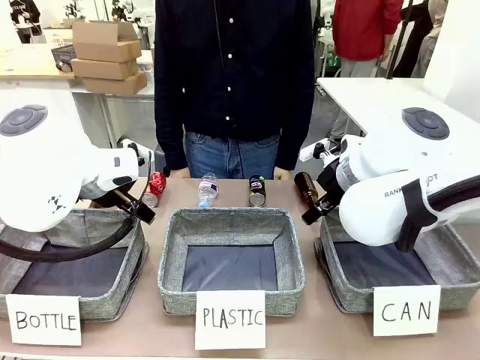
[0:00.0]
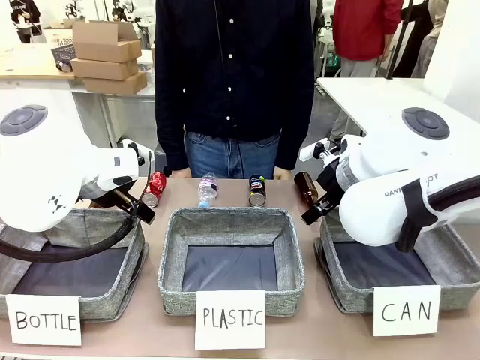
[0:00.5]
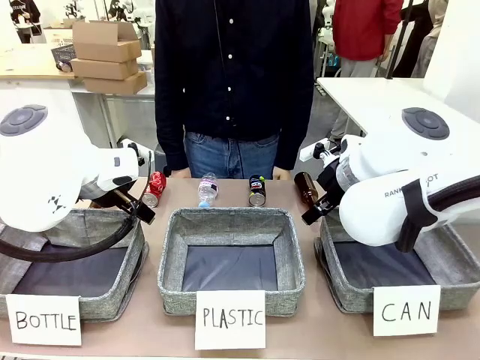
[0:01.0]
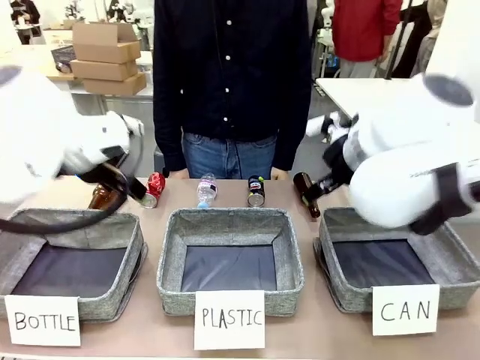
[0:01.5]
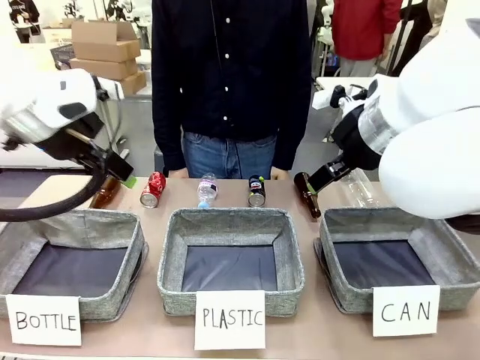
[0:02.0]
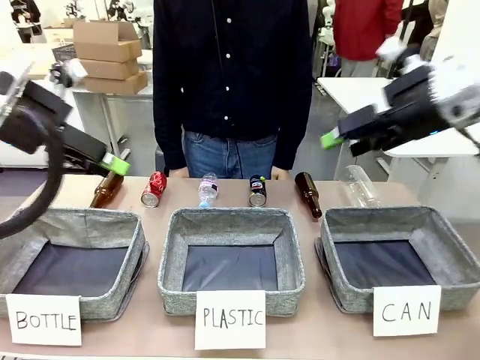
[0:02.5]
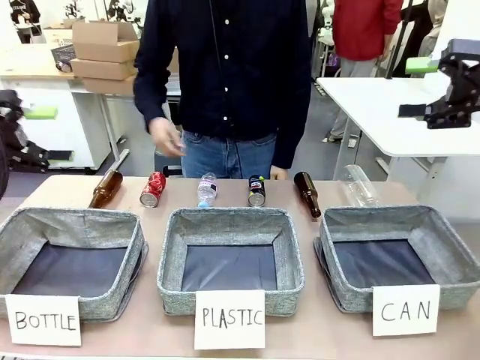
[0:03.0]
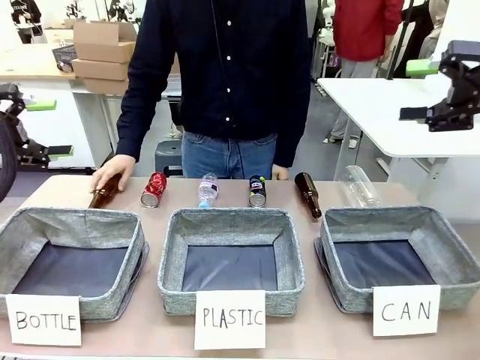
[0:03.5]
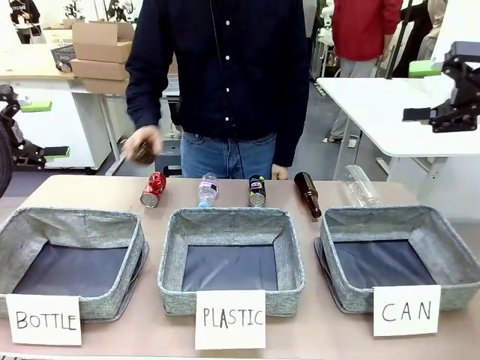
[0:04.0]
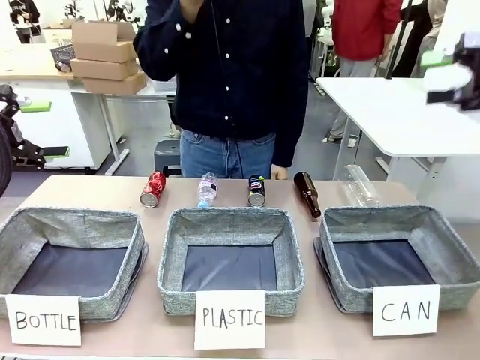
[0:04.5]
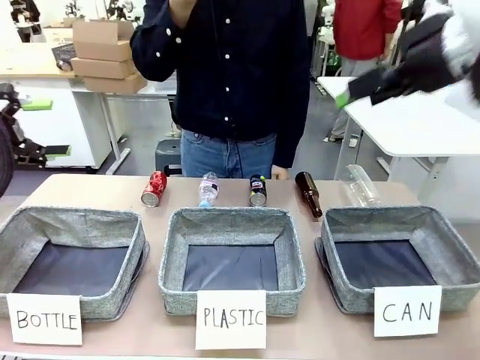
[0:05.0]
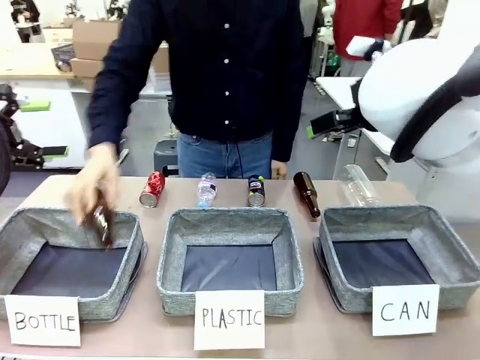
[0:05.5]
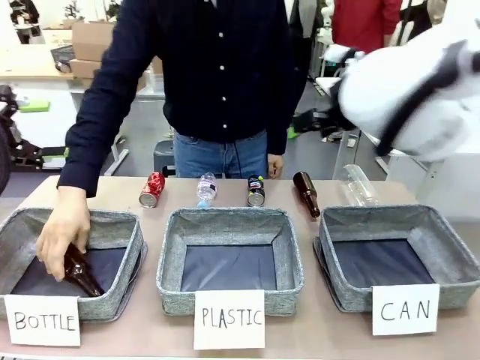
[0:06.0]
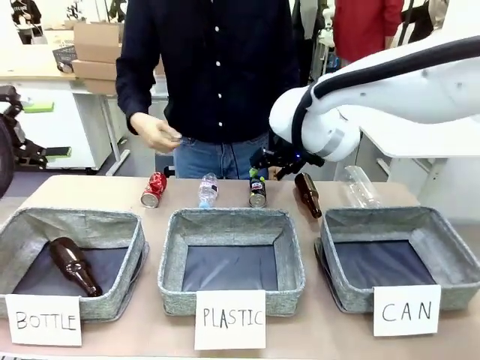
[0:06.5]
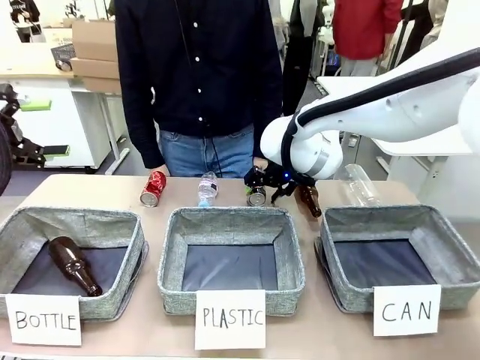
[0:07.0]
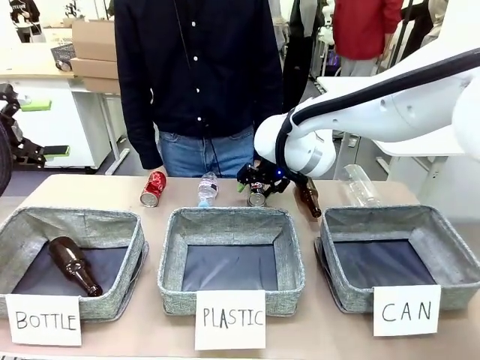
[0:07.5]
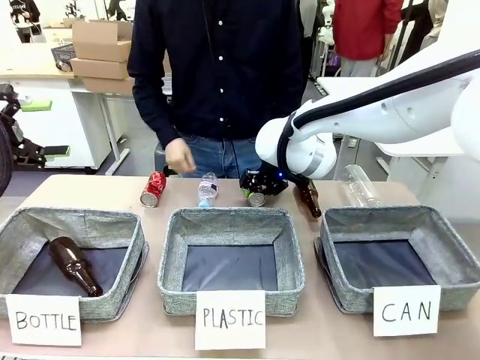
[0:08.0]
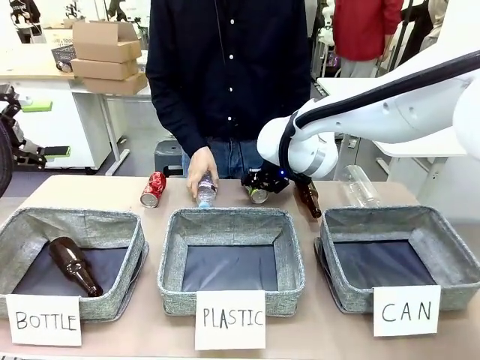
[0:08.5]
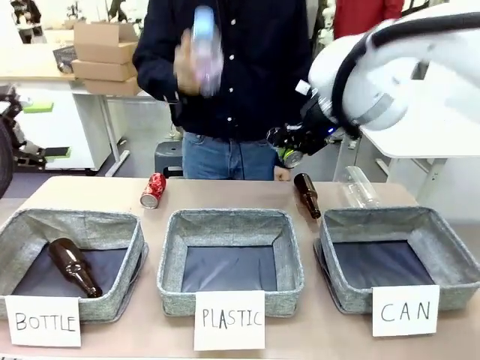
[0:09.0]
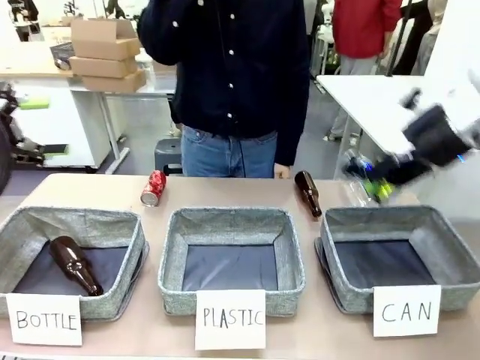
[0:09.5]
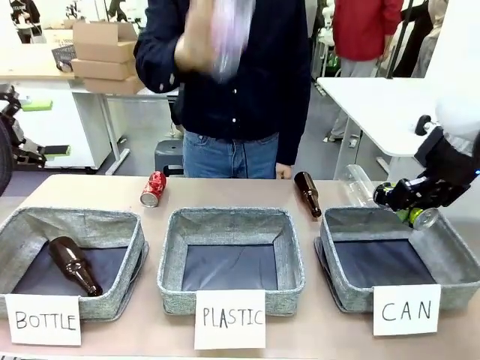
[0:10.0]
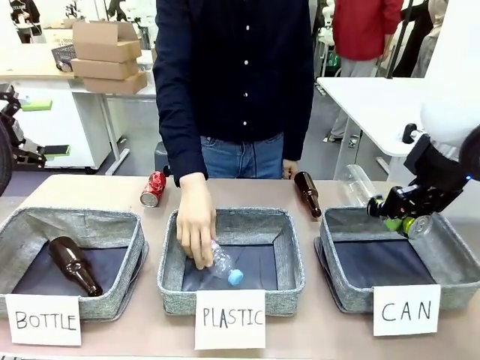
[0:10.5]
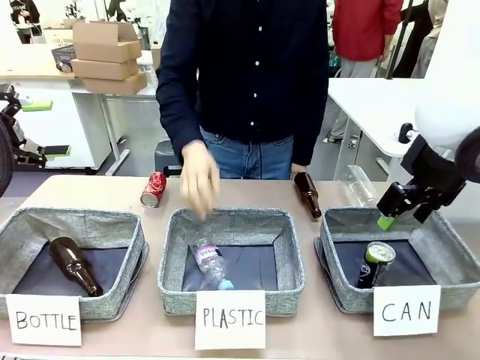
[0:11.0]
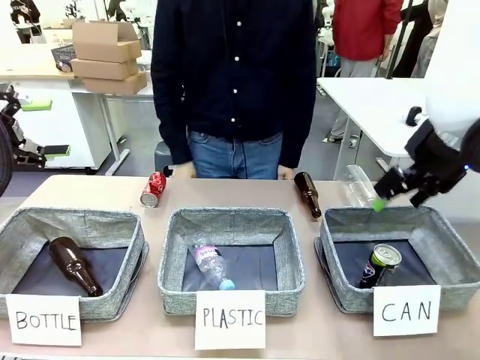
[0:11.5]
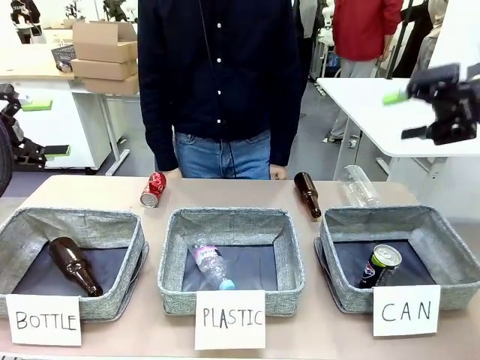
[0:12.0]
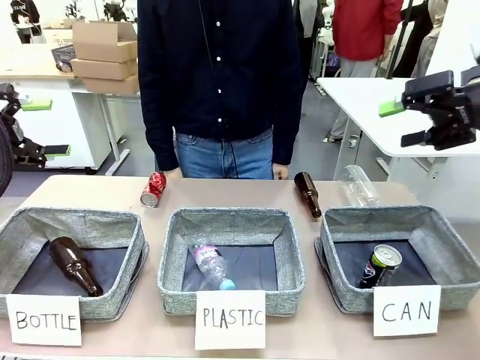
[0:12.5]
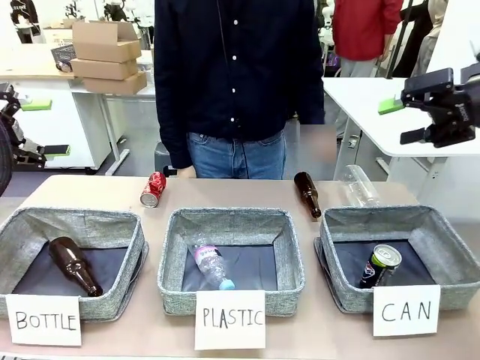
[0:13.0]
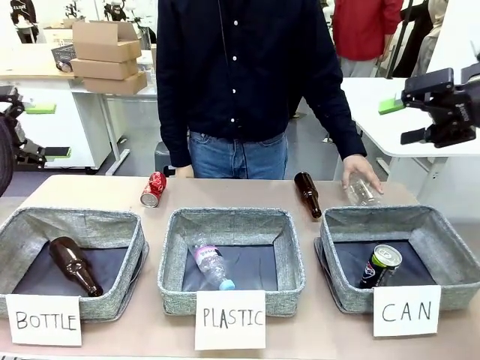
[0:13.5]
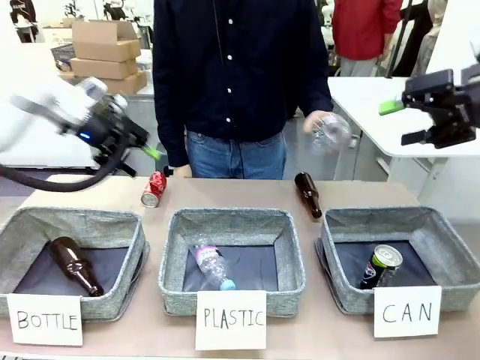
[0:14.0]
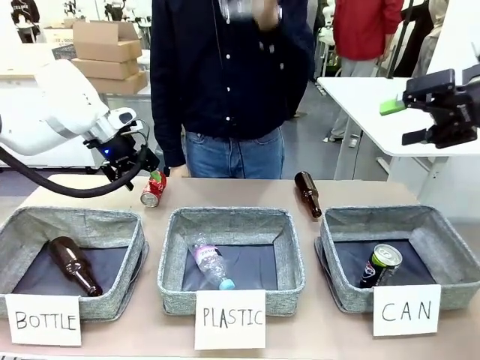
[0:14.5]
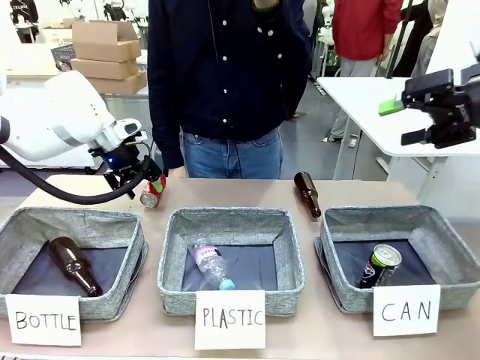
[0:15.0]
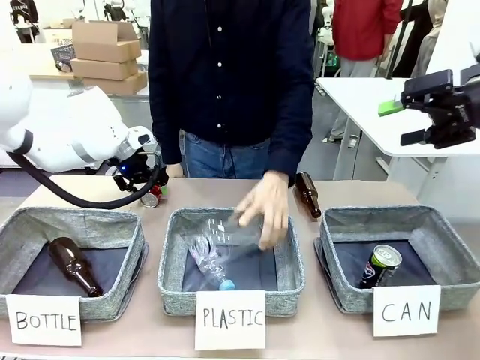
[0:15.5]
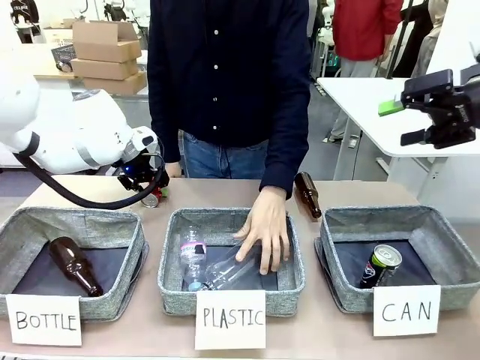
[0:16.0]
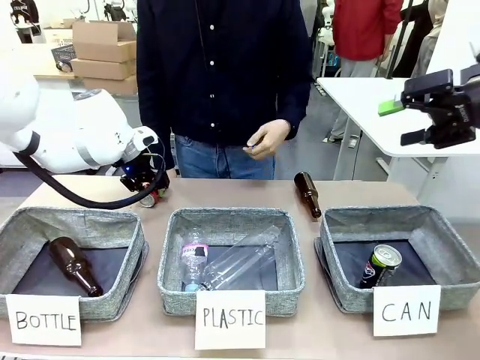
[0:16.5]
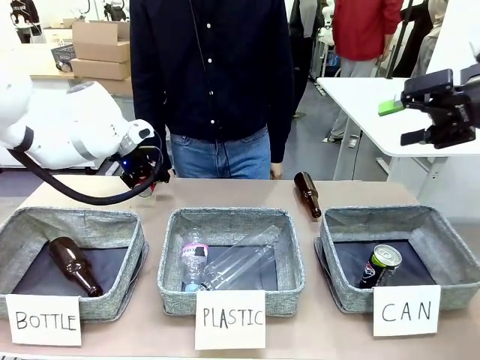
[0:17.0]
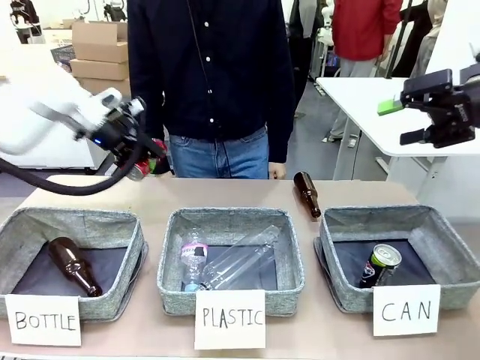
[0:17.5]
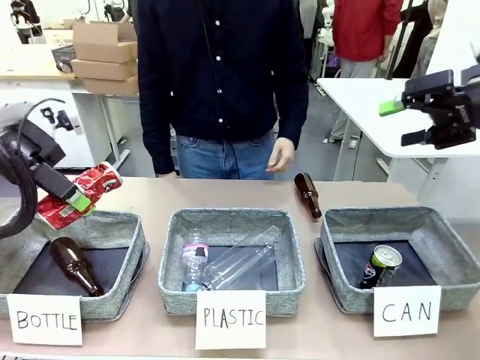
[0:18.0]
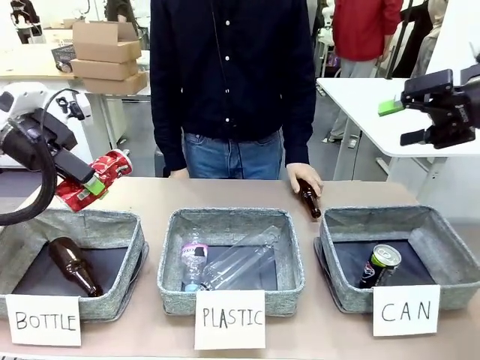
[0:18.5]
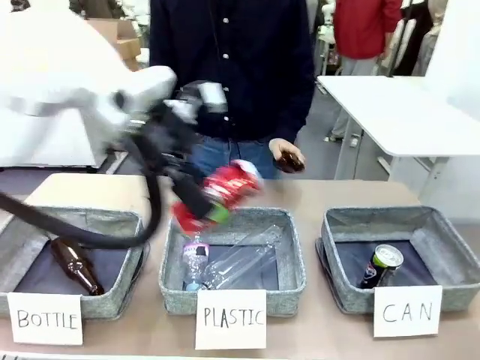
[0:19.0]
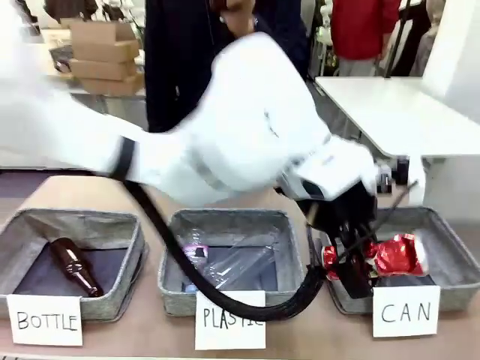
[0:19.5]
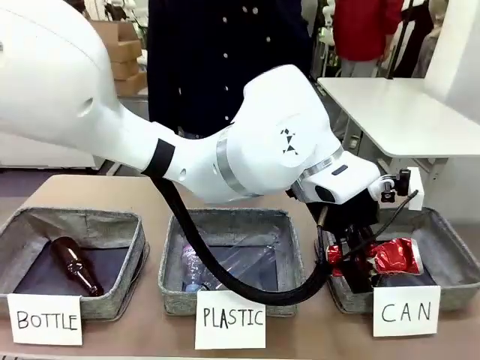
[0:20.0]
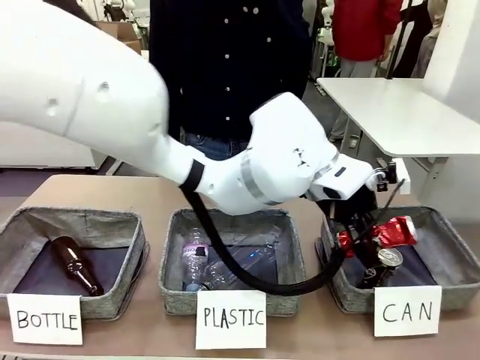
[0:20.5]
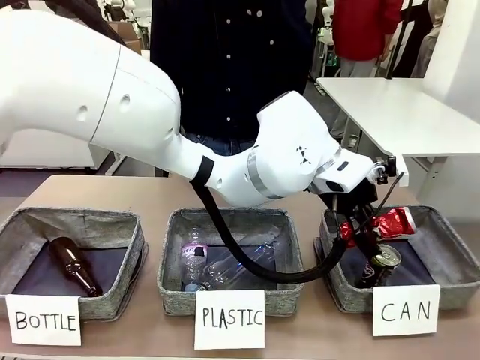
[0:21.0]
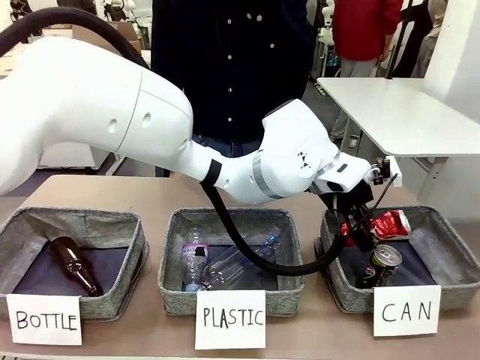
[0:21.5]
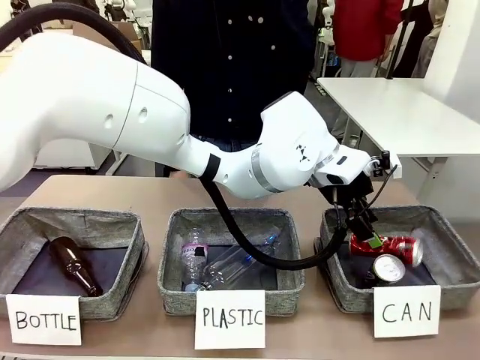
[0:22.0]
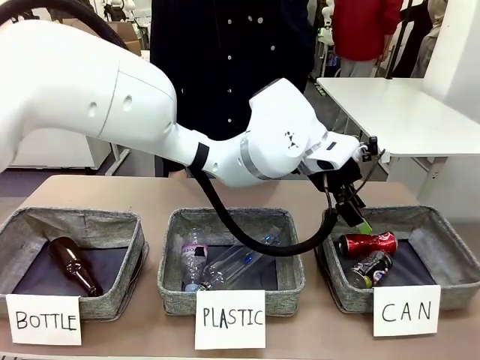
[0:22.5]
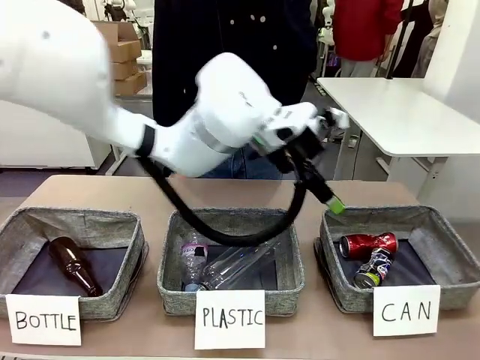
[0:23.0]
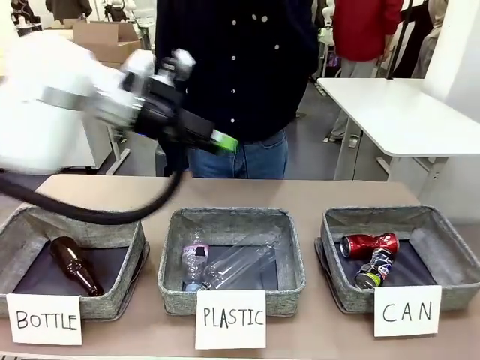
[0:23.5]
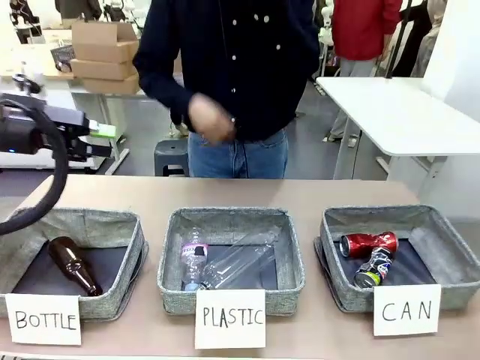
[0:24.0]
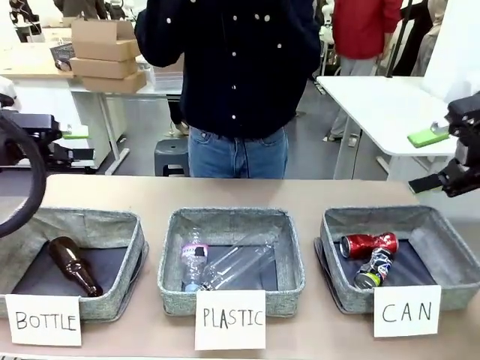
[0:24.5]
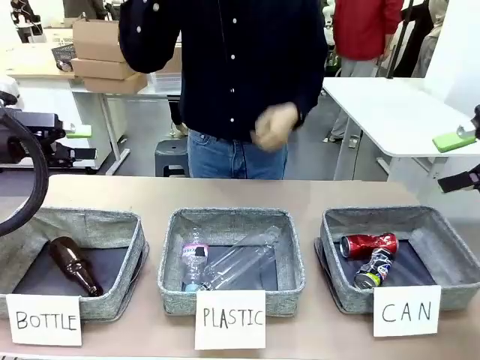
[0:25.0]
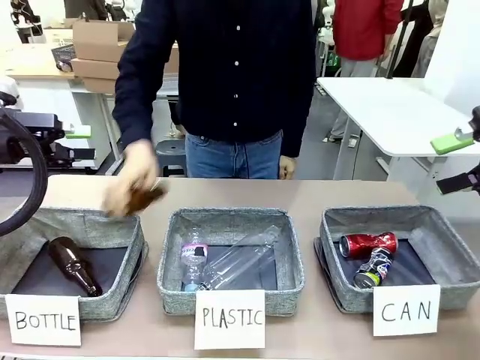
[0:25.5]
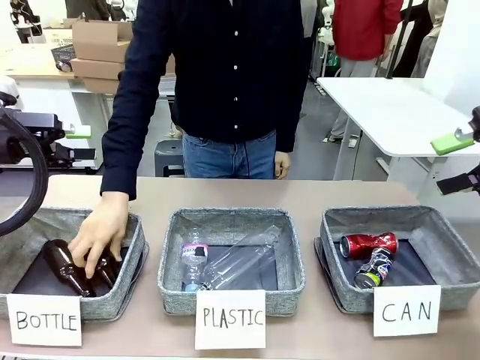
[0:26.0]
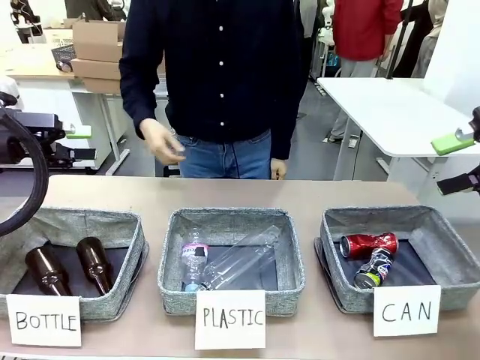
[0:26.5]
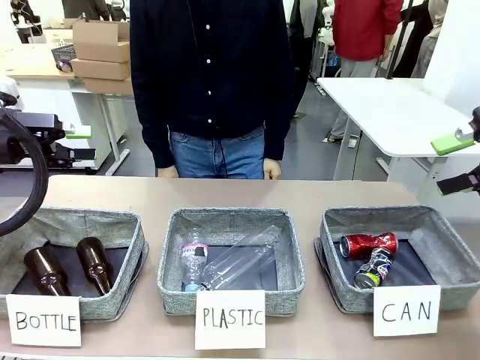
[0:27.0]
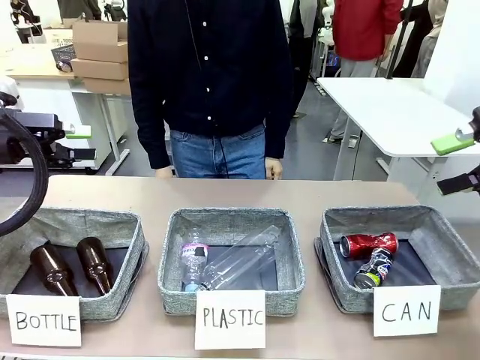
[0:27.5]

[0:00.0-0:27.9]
Task: Sort the can waste into the basket.
Robot: Pick up the can waste from the table and place it in the right Fabric basket.
Person: The human picks up one piece of trash that is not a can and places the trash into the appropriate organizing basket.
